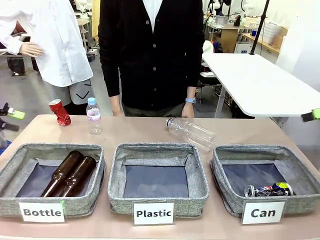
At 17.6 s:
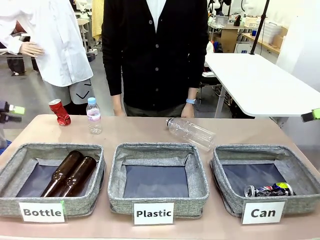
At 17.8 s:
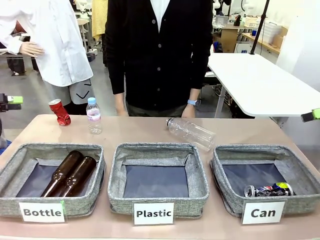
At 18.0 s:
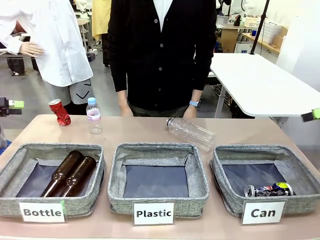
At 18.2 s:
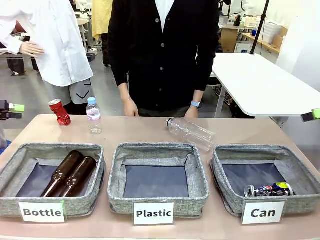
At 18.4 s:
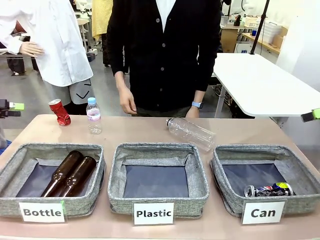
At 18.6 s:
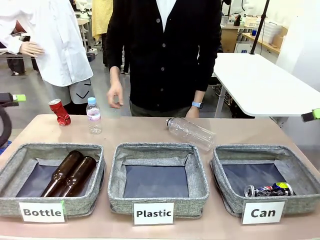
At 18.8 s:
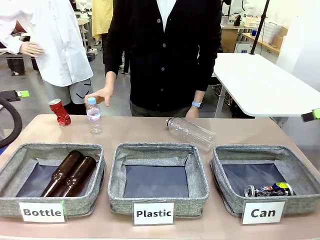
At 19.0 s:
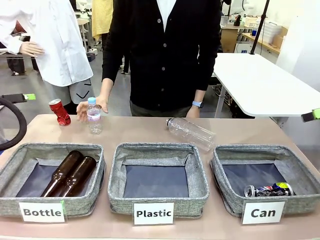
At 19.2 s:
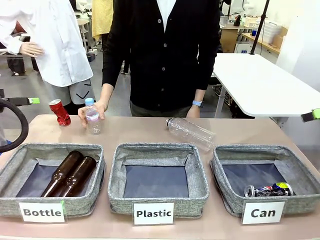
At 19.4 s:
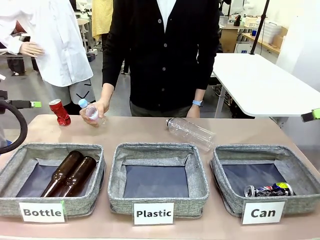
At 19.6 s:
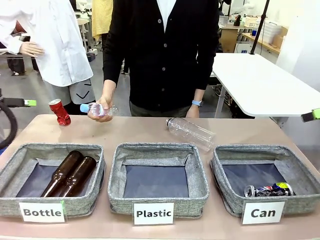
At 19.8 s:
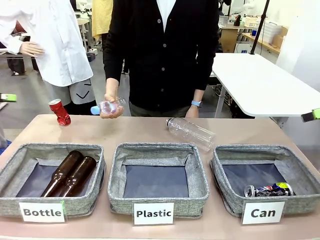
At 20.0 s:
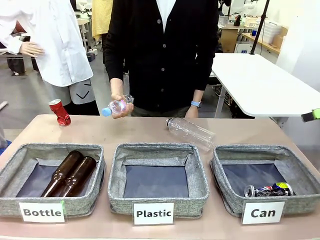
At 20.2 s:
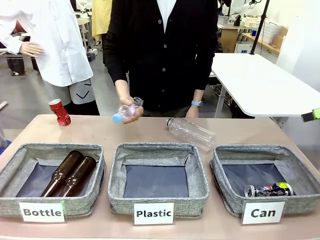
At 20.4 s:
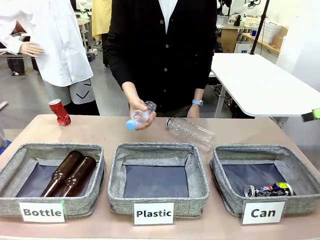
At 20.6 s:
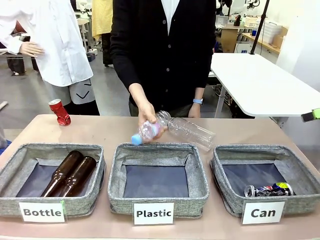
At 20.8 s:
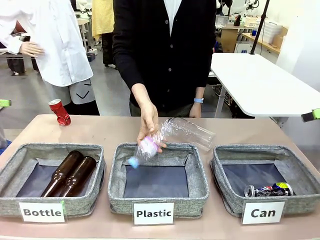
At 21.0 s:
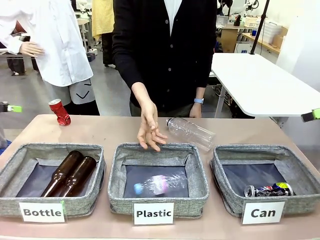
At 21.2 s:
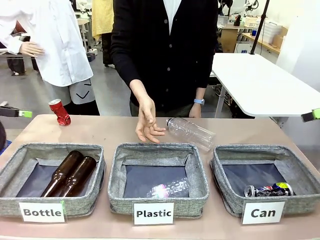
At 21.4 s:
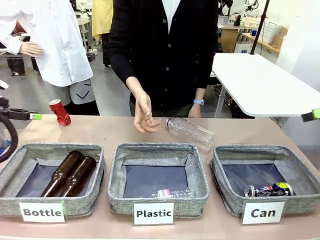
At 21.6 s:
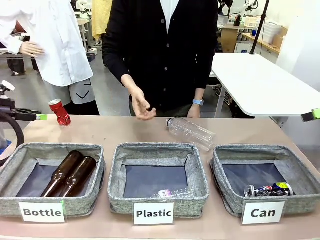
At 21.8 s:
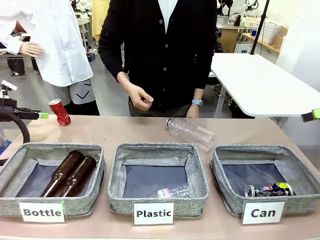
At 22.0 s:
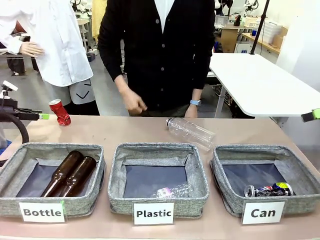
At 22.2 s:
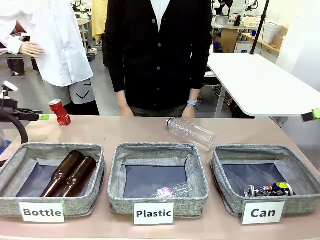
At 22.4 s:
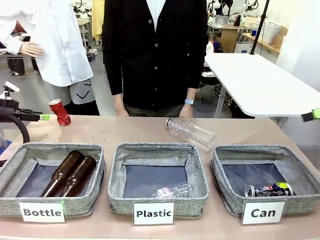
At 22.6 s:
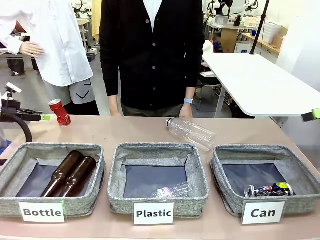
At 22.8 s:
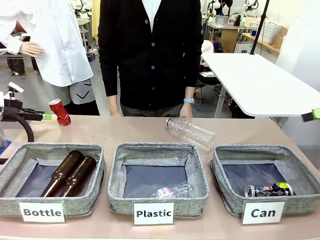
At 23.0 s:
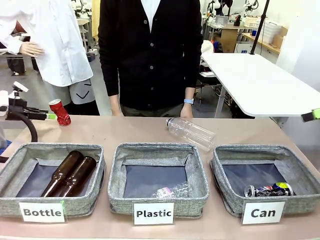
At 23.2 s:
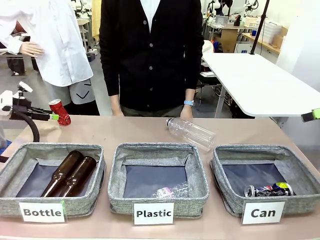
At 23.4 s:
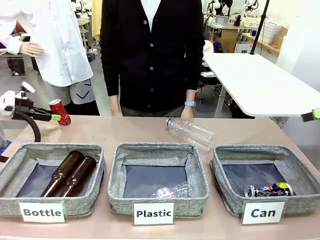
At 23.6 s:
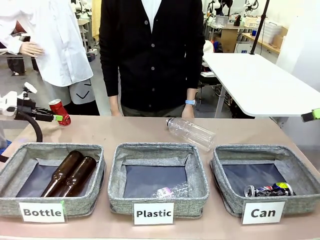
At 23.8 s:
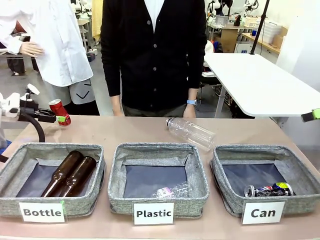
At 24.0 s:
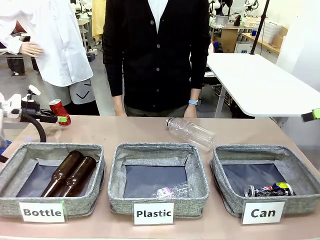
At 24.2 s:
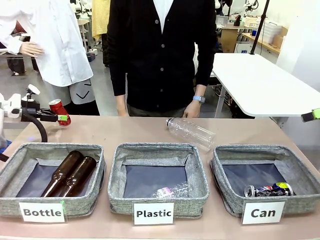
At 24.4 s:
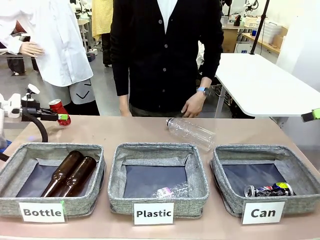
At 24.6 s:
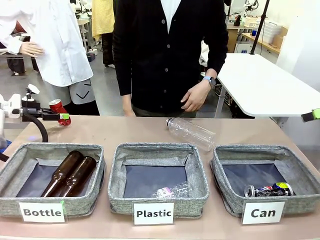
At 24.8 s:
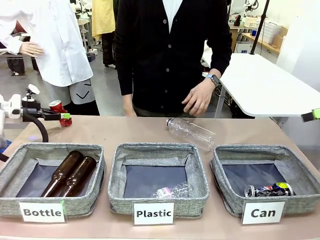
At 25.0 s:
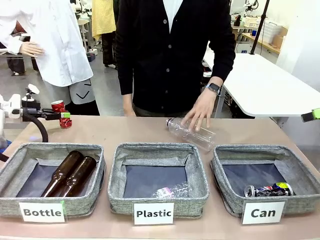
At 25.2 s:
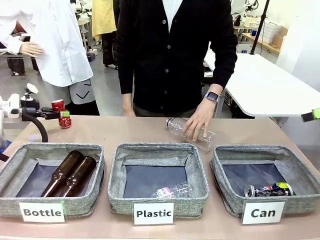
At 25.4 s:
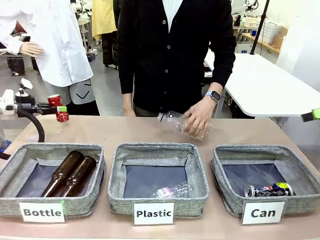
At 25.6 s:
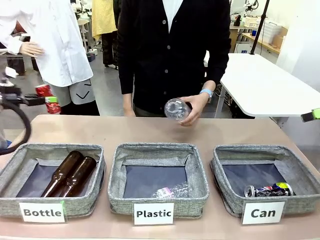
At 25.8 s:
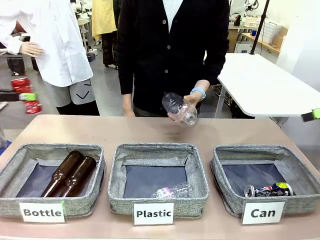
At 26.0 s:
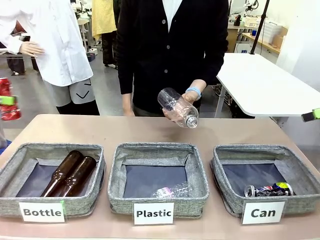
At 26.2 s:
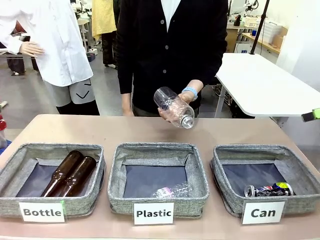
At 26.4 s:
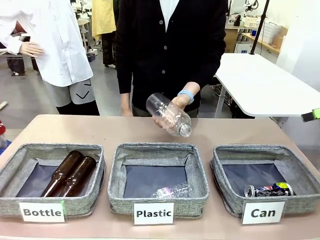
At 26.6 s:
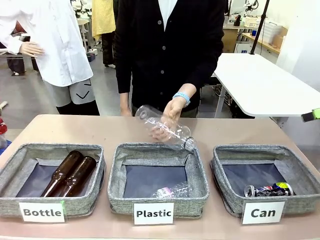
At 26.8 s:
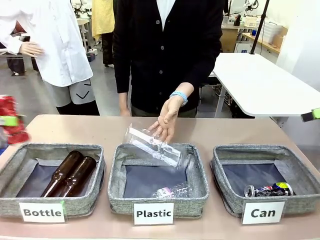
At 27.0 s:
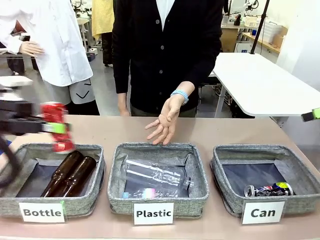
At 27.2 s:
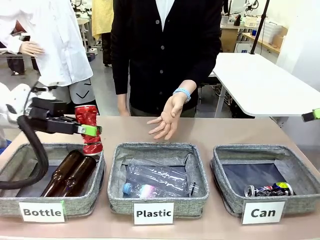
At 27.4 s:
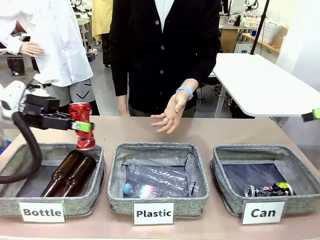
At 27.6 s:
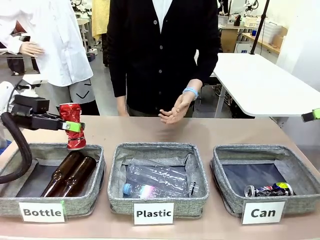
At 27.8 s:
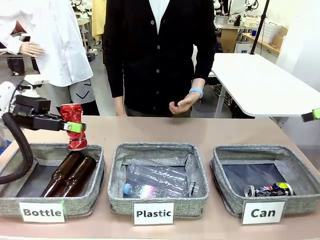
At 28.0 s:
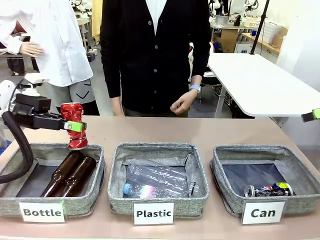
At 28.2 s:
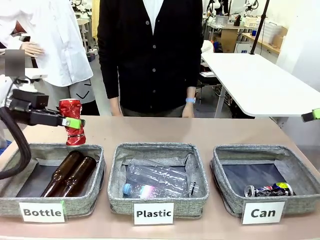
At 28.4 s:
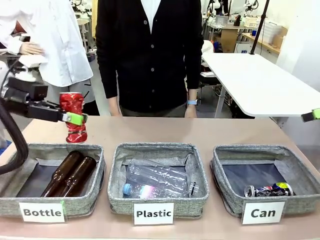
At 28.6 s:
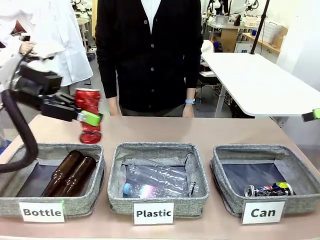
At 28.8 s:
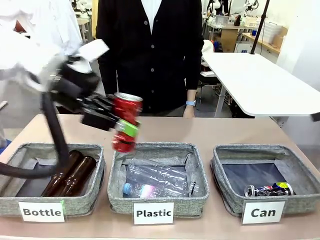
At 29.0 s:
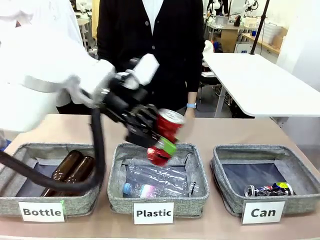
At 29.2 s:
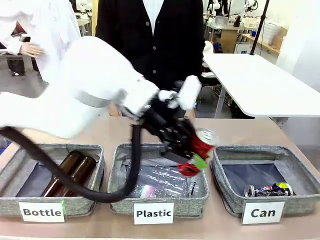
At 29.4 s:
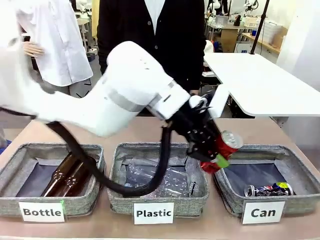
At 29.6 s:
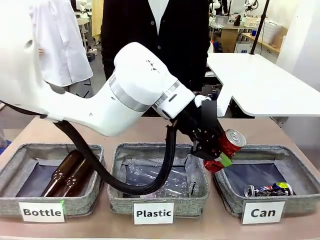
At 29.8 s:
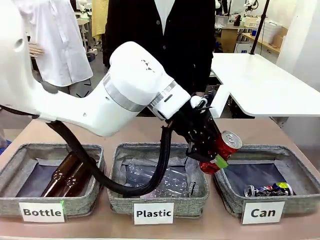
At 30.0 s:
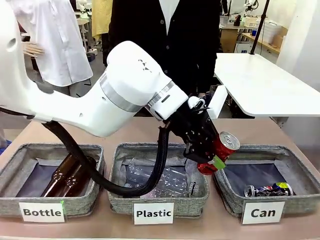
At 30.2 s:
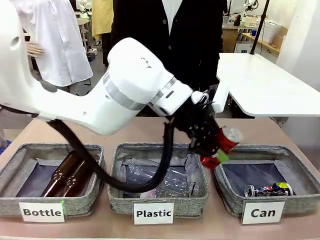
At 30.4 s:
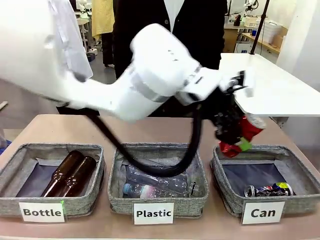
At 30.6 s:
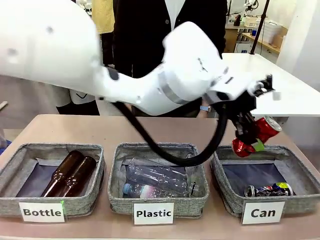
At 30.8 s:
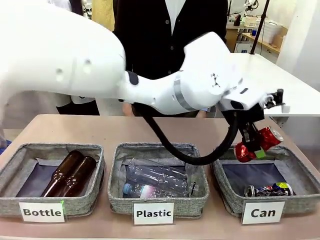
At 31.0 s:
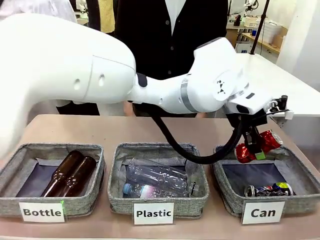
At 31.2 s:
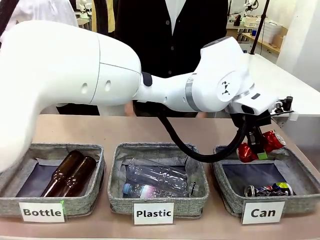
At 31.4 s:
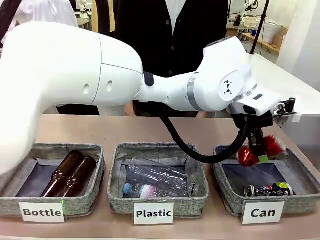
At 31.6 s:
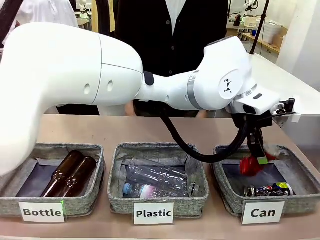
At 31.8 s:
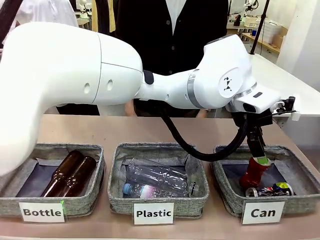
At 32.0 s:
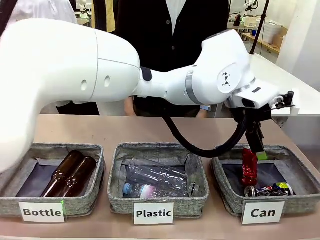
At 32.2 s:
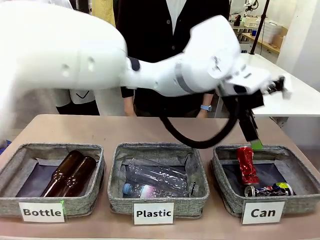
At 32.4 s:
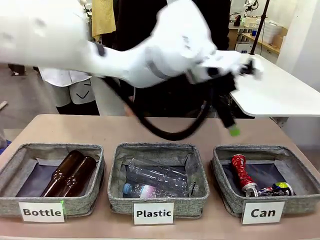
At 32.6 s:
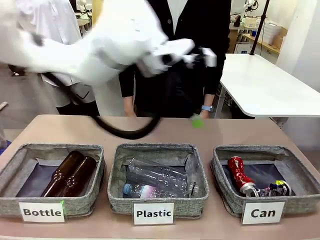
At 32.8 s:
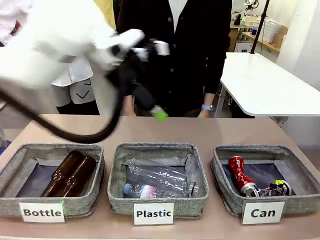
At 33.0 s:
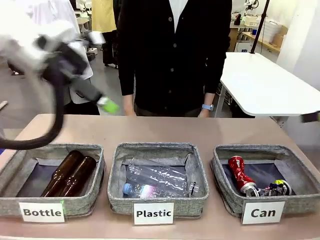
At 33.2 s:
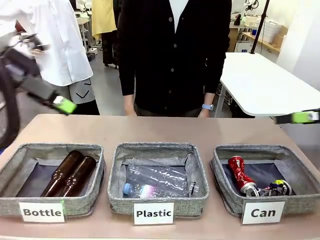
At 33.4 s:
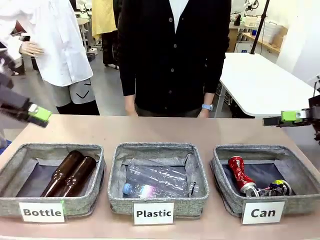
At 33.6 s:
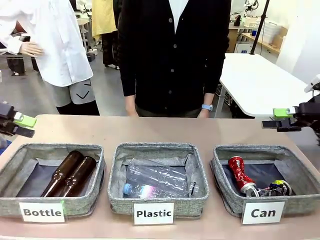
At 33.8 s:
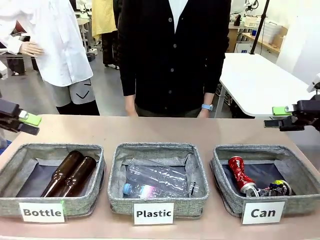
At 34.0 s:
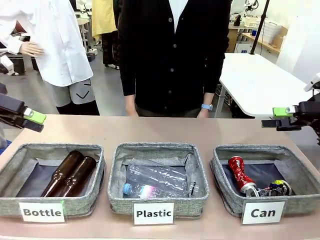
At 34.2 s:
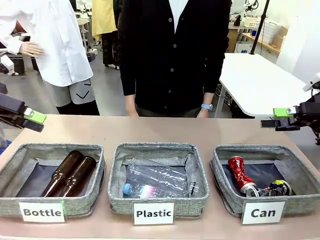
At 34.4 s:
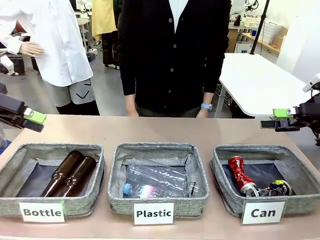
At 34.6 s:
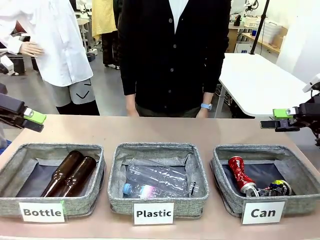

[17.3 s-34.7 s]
Task: Sort the can waste into the basket.
Robot: Pick up the can waste from the table and place it in the right Fabric basket.
Person: The human picks up one piece of trash that is not a can and places the trash into the appropriate organizing basket.
